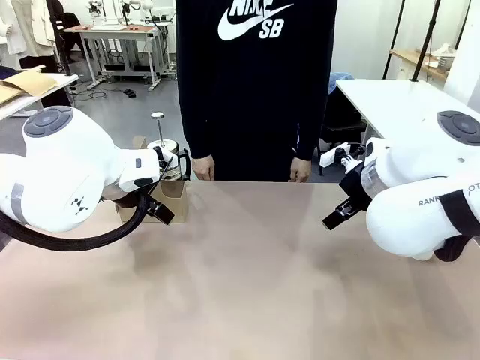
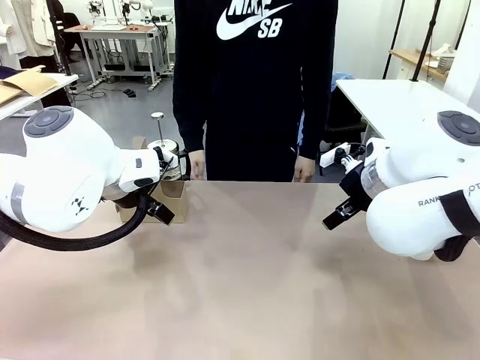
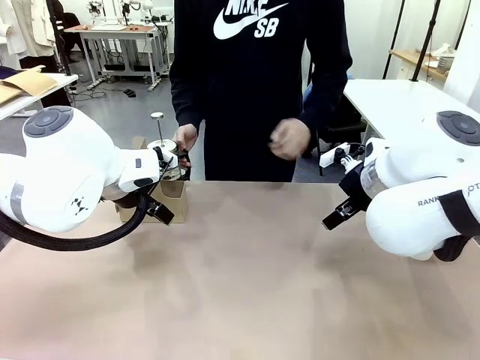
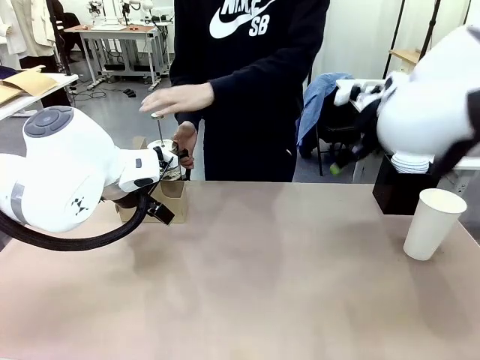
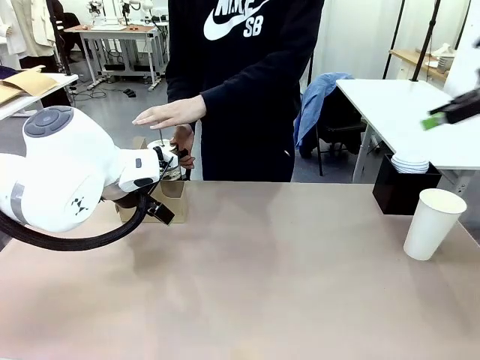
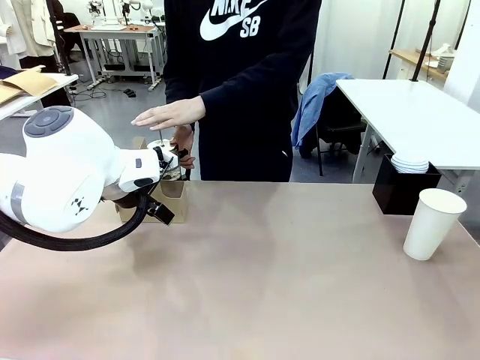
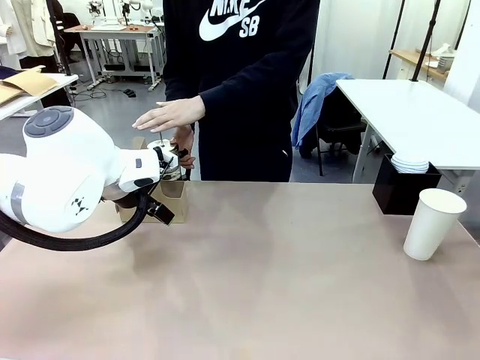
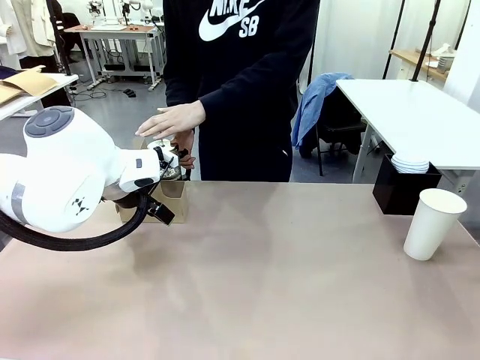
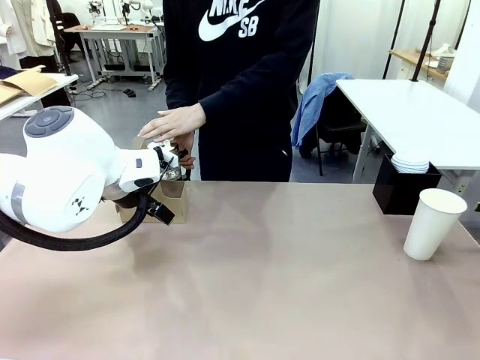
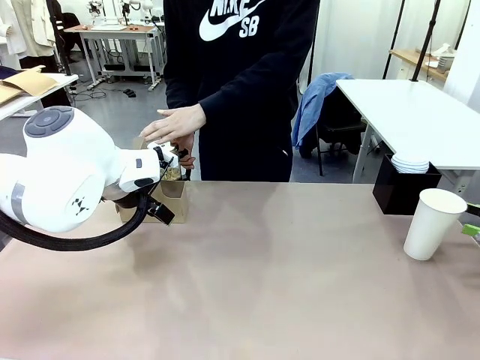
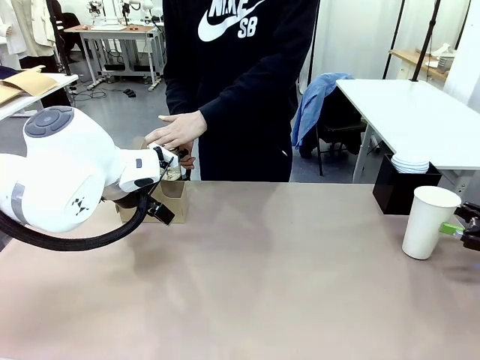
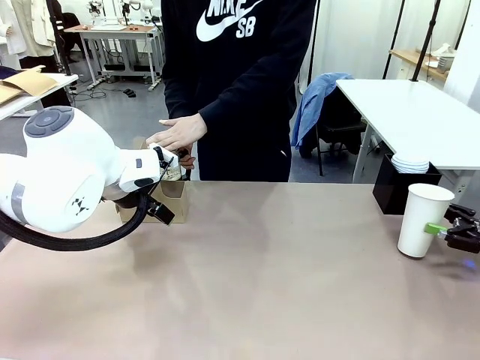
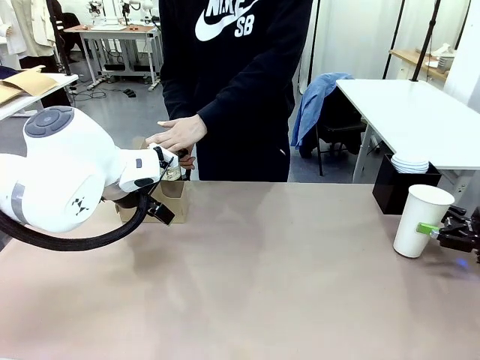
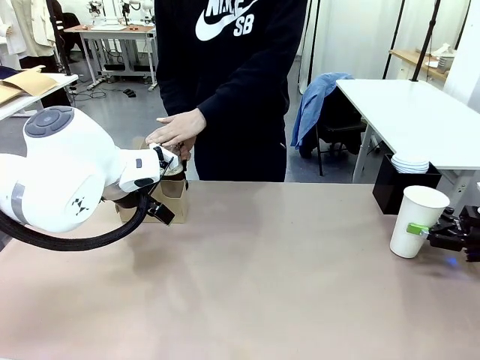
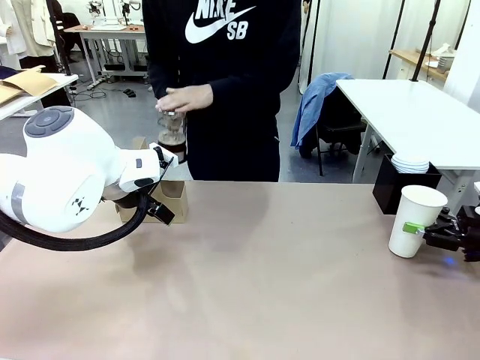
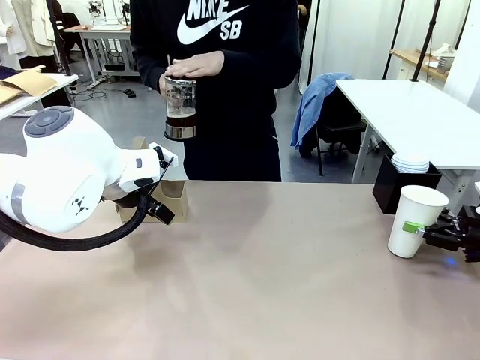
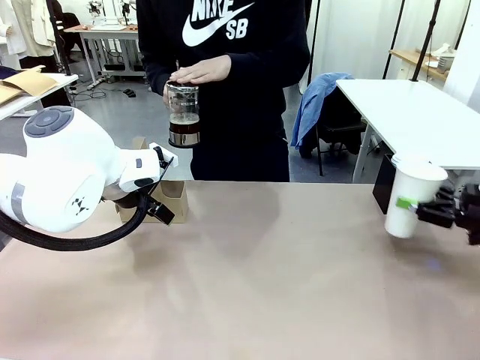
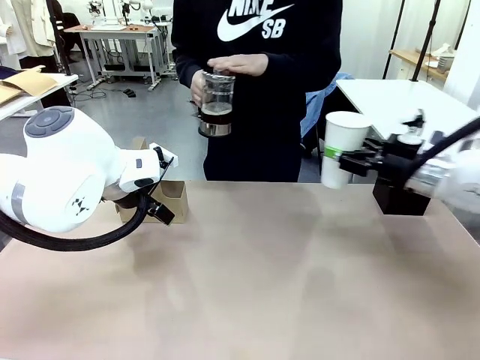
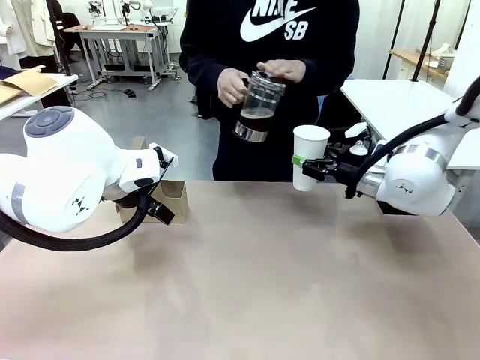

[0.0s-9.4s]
Task: Pour a drink into a cup and package it in a carrier.
Robot: Pick up the 600 ml Paper Cup and place it in the middle top area of the table.
Person: Press and pick up the Filter Brewing.

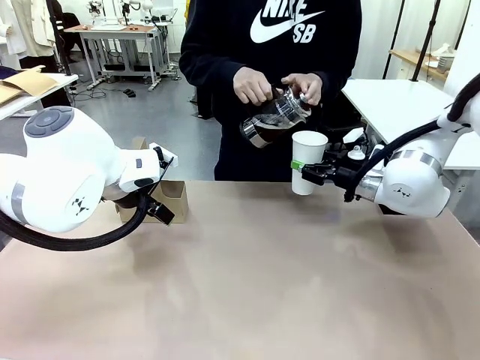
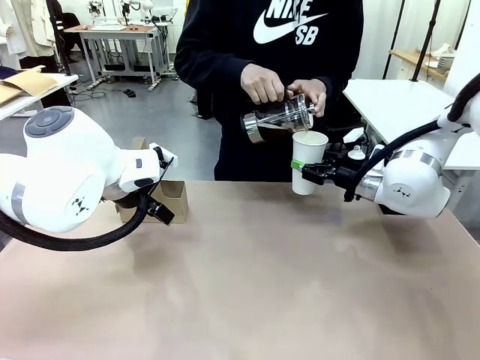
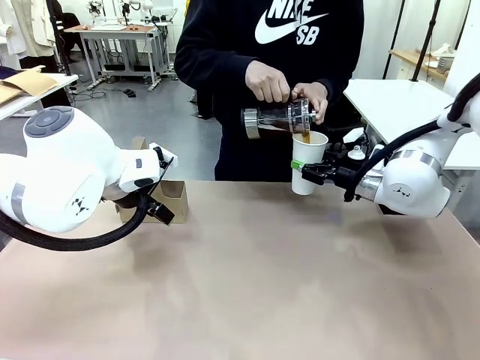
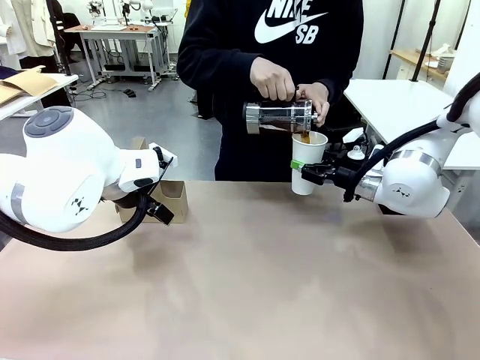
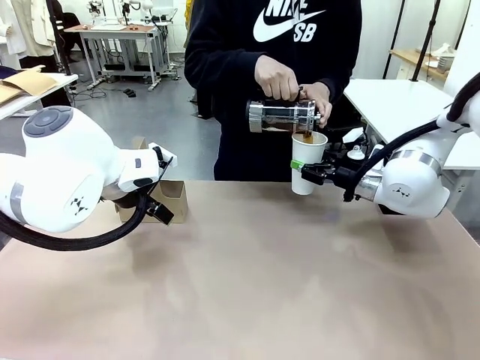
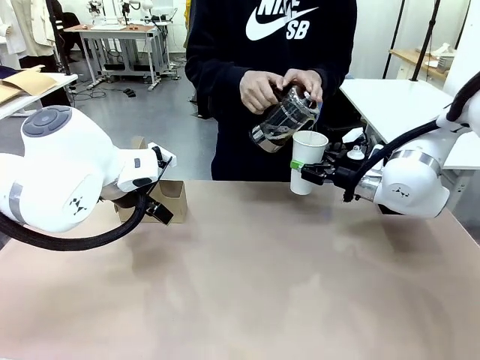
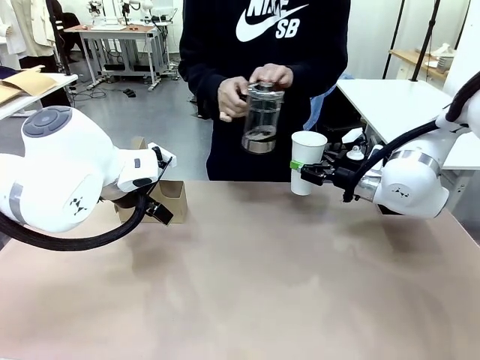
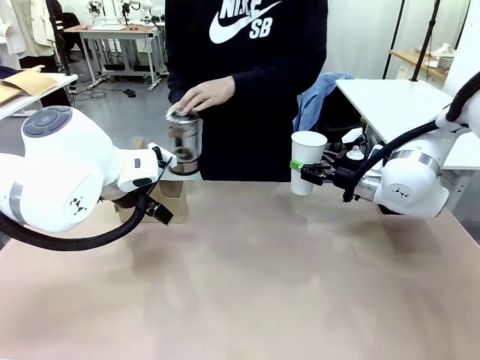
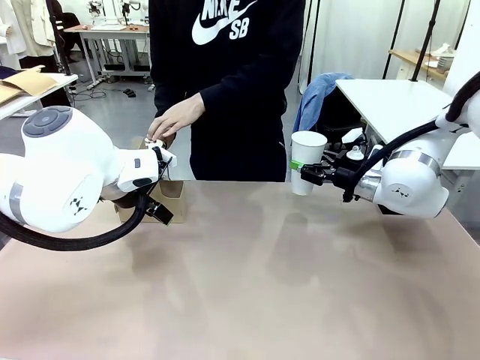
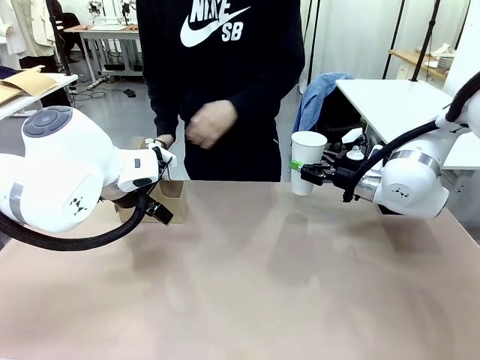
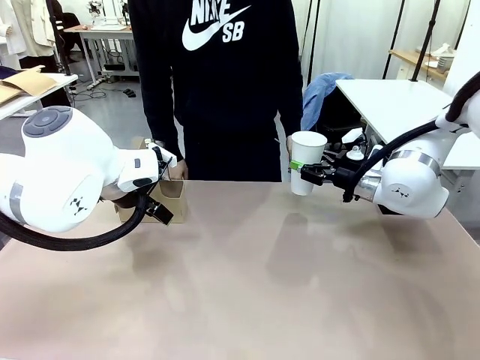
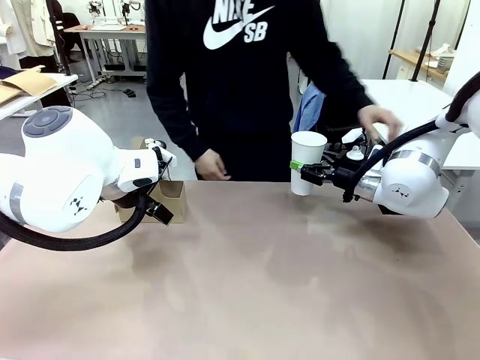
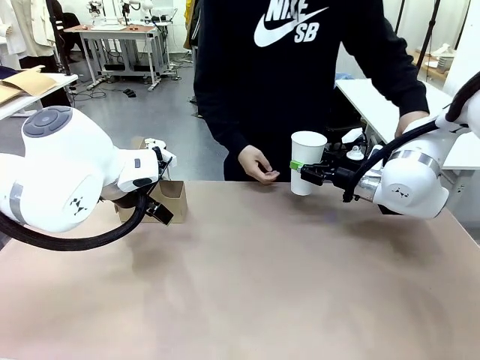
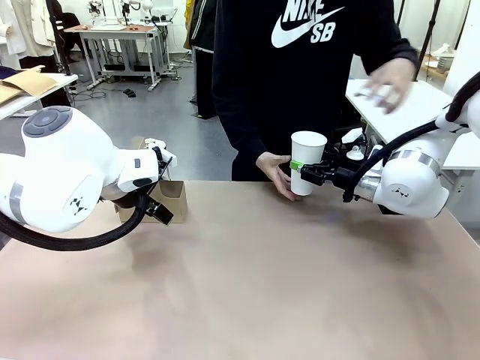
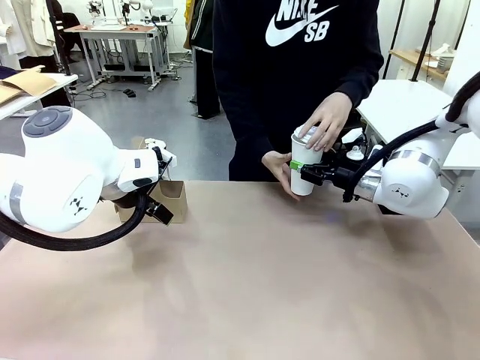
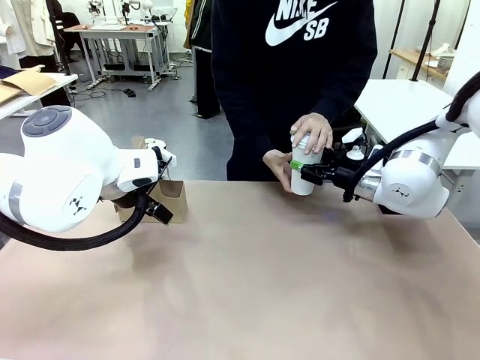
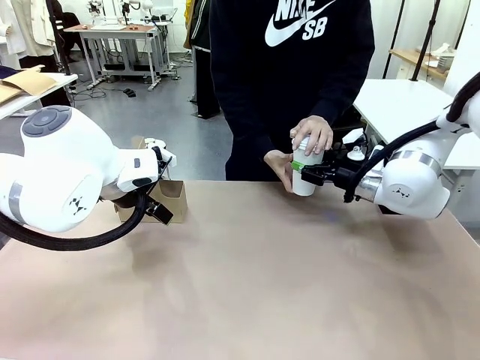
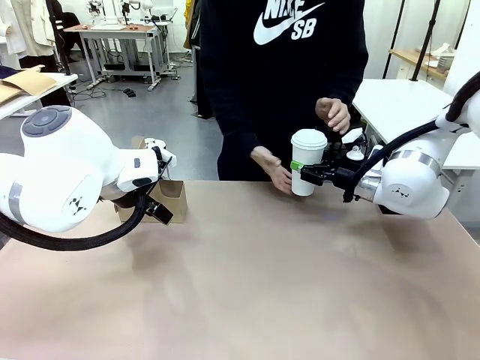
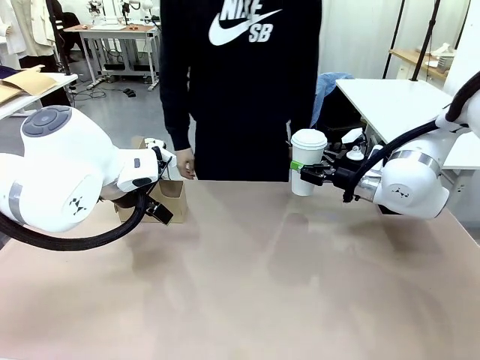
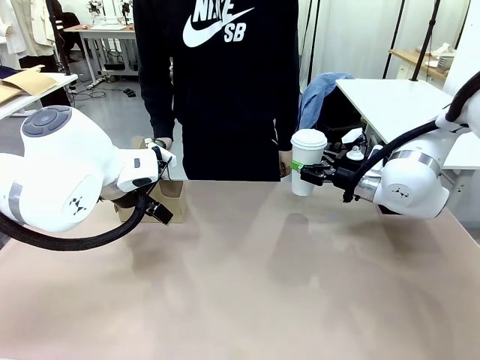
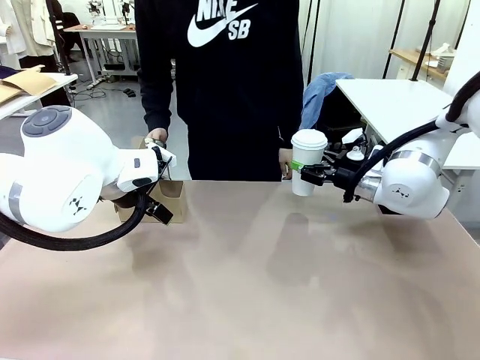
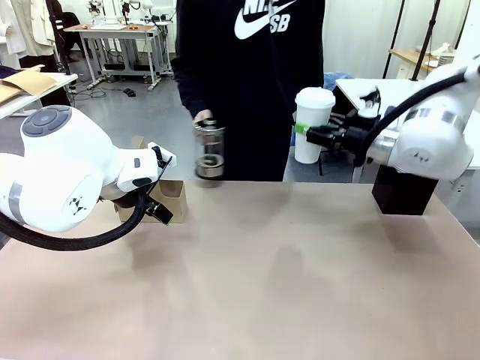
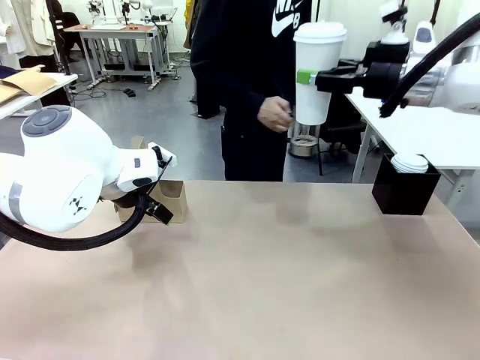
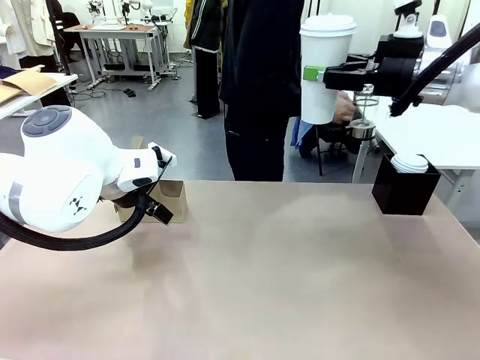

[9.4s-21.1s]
Robot: When a person places the Paper Cup Lid on the 600 ml Paper Cup , lift the 600 ml Paper Cup.
Person: Pour the drink from the Filter Brewing into the 600 ml Paper Cup. Place a Paper Cup Lid on the 600 ml Paper Cup.

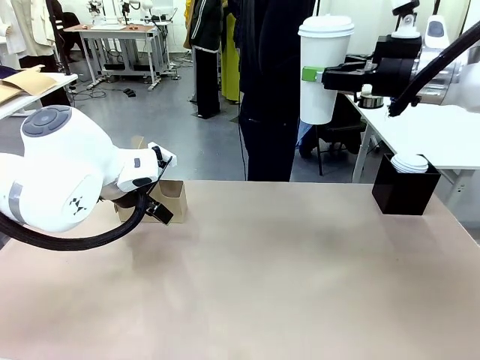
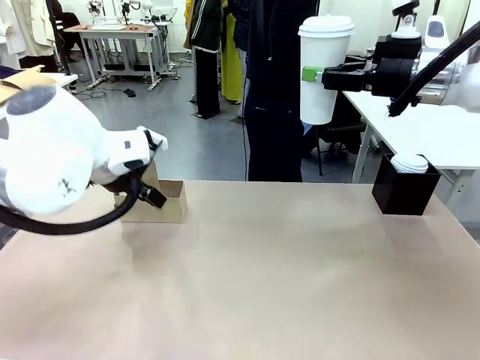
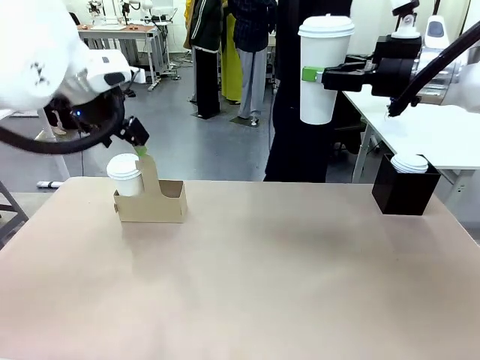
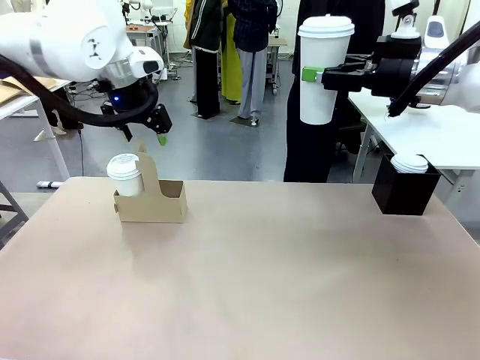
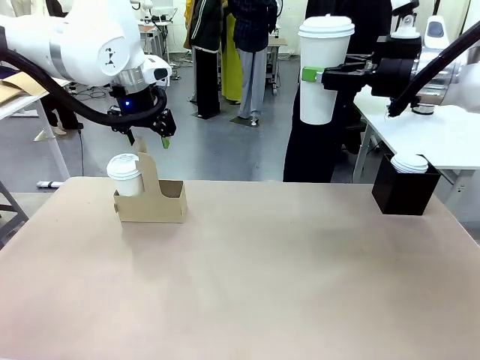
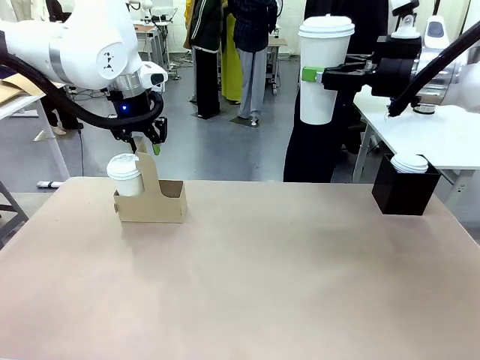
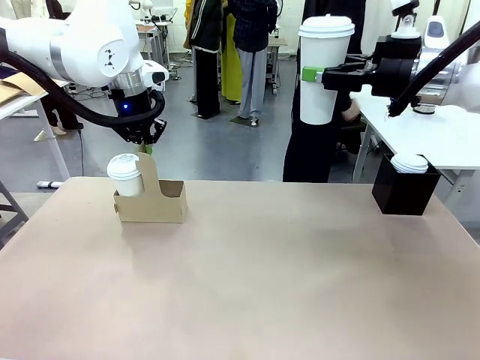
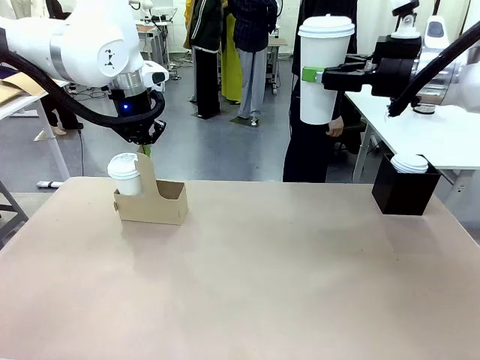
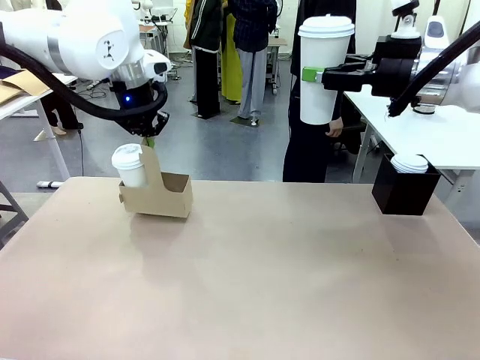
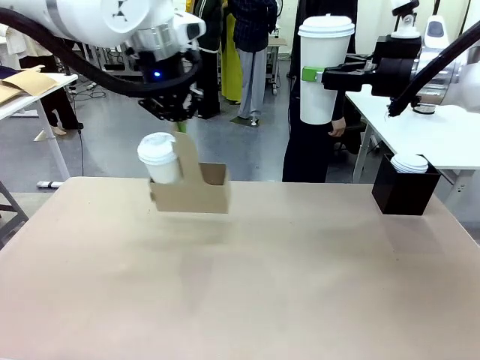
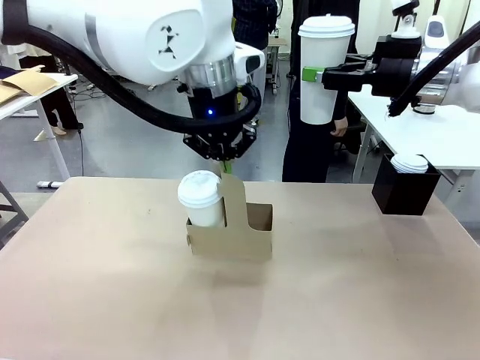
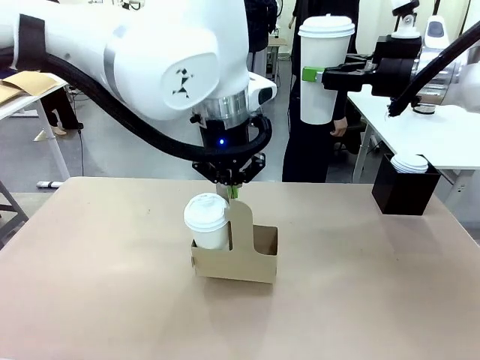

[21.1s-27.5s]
Robot: Position the Cup Carrier in the center of the table.
